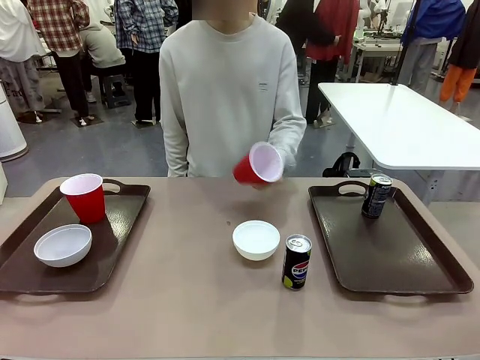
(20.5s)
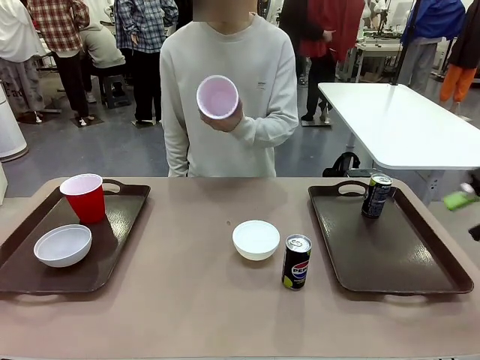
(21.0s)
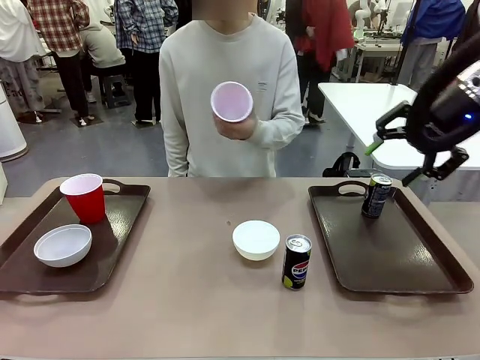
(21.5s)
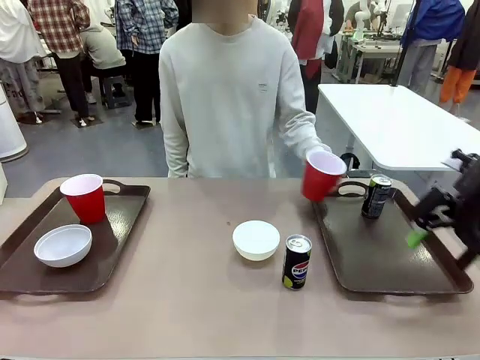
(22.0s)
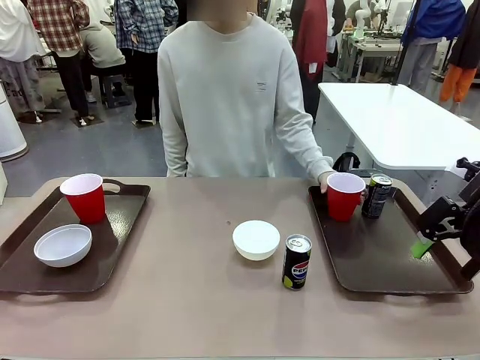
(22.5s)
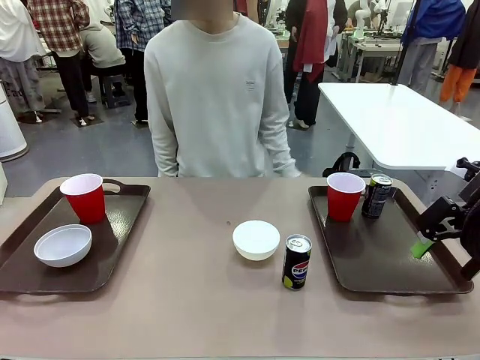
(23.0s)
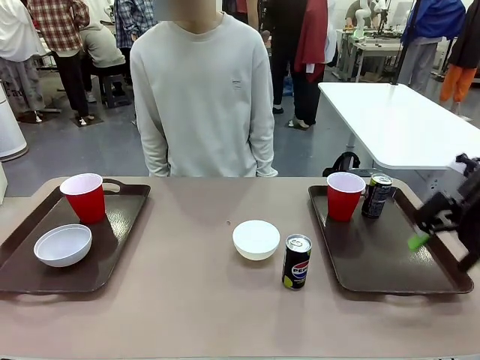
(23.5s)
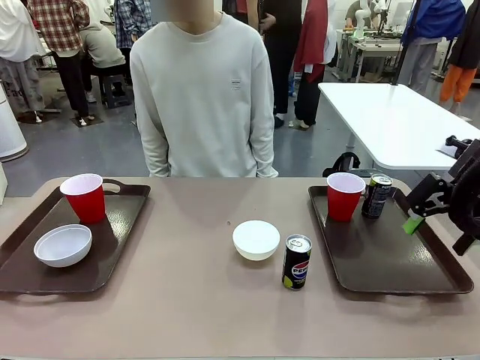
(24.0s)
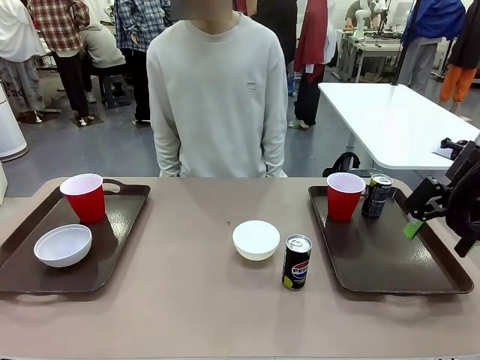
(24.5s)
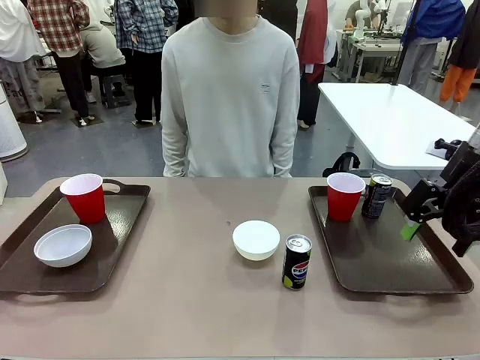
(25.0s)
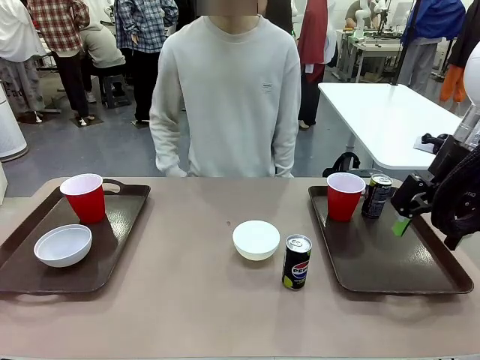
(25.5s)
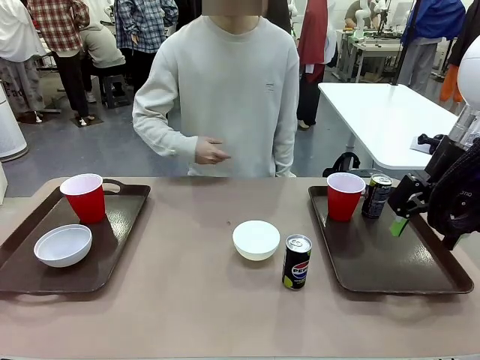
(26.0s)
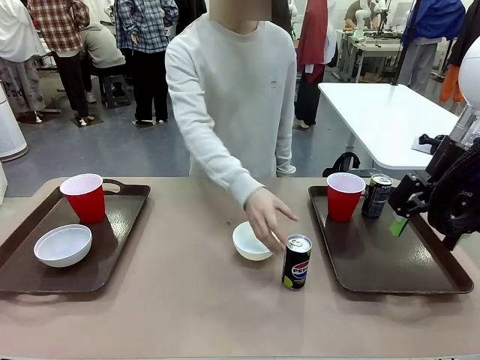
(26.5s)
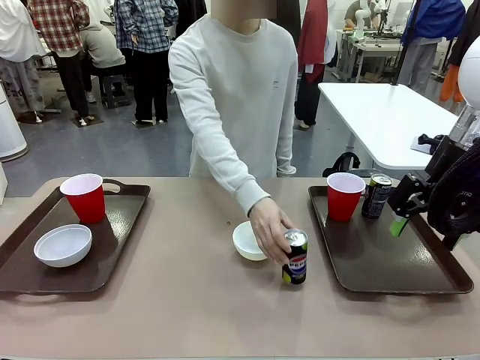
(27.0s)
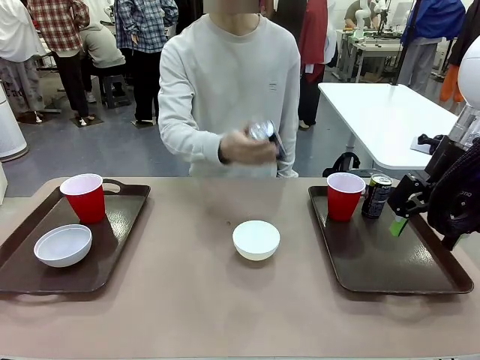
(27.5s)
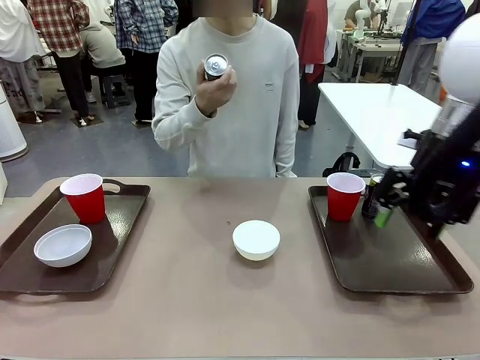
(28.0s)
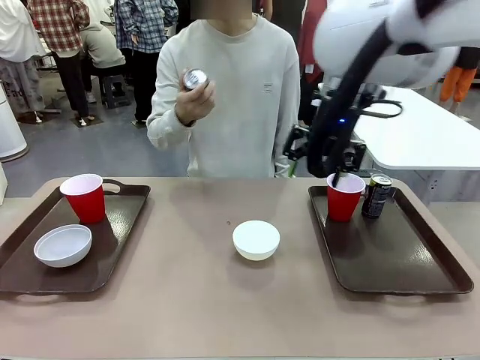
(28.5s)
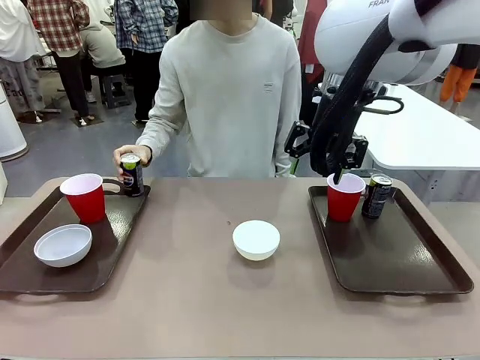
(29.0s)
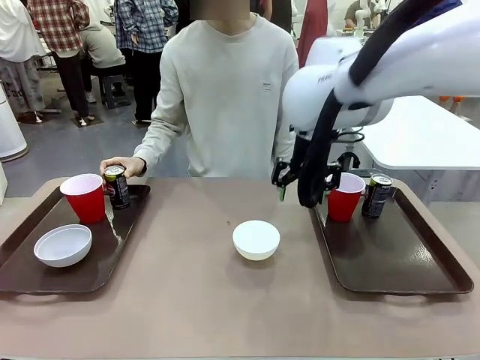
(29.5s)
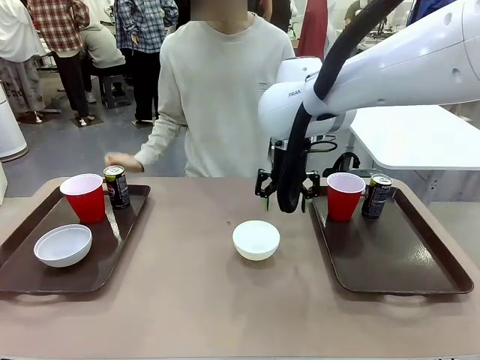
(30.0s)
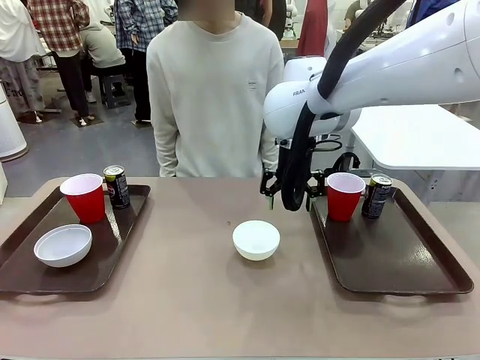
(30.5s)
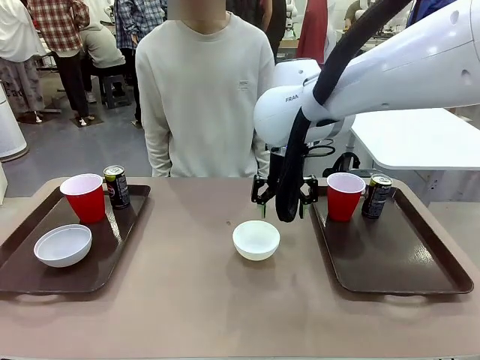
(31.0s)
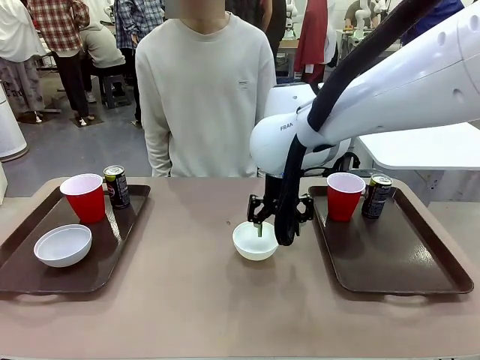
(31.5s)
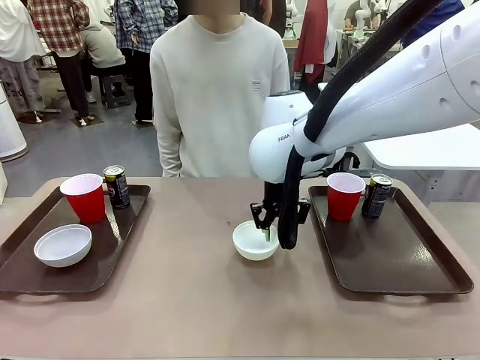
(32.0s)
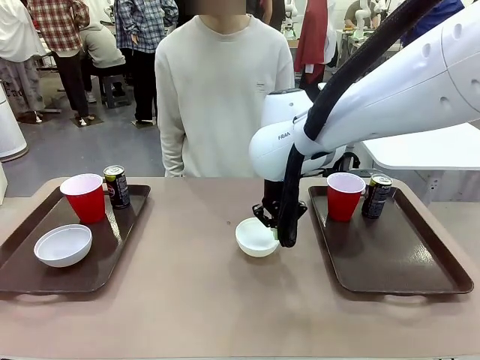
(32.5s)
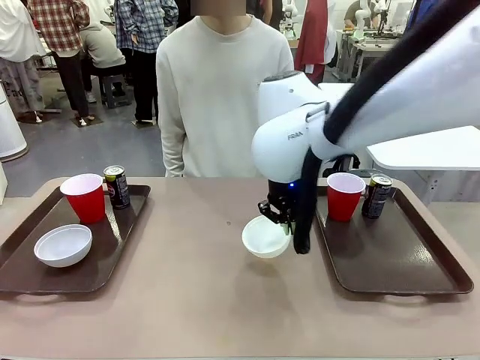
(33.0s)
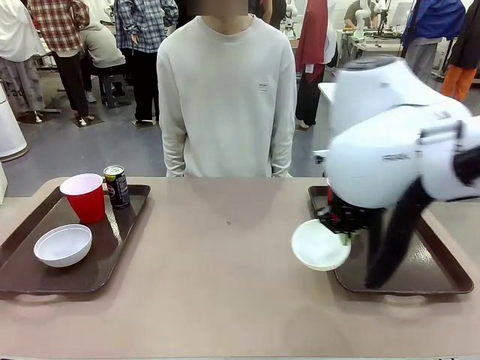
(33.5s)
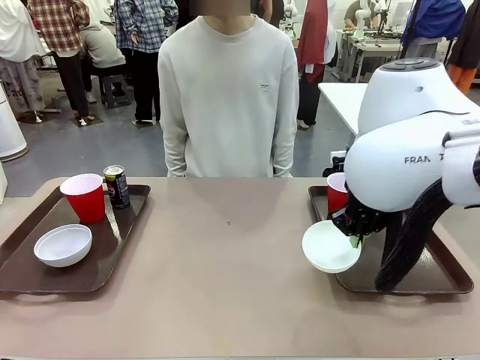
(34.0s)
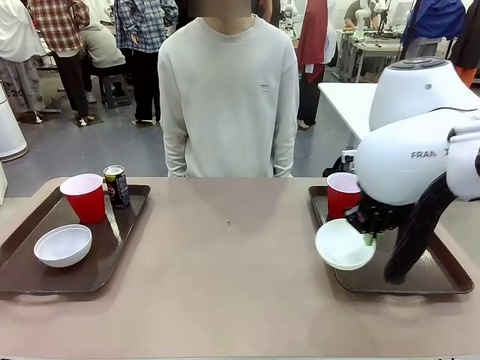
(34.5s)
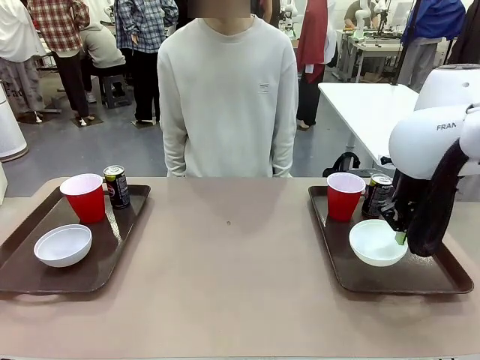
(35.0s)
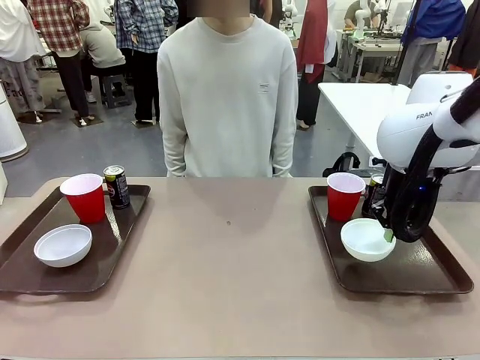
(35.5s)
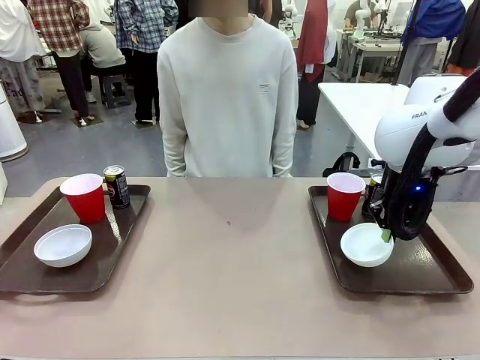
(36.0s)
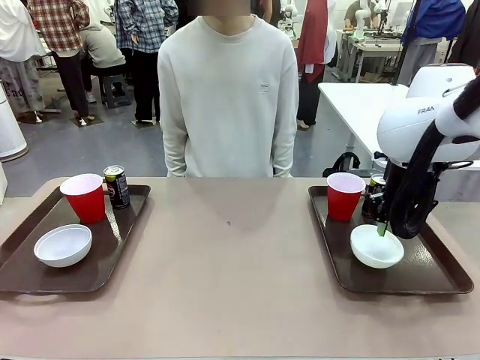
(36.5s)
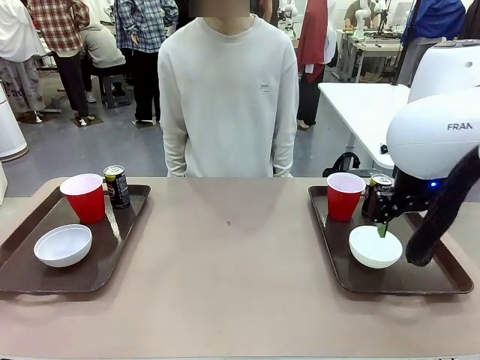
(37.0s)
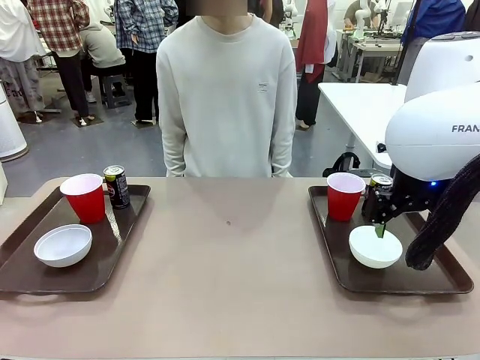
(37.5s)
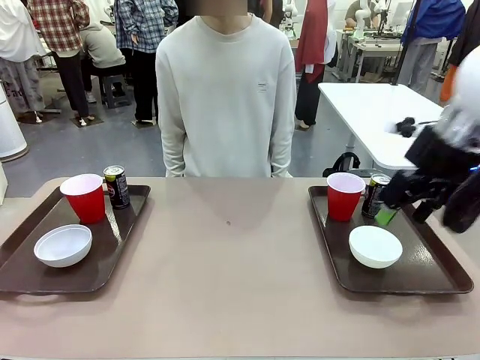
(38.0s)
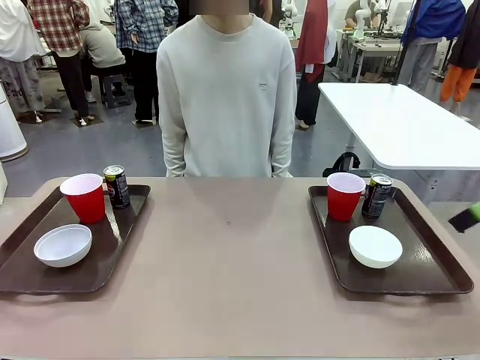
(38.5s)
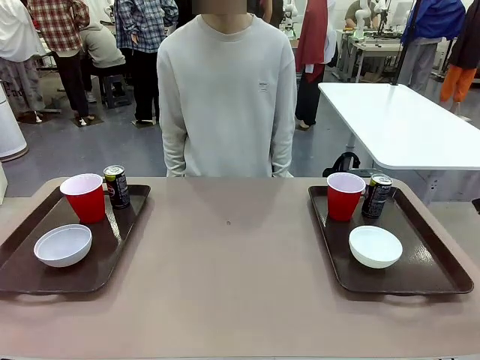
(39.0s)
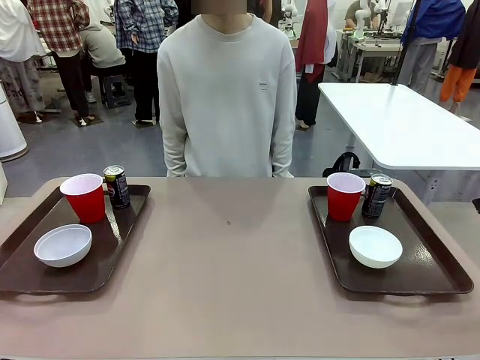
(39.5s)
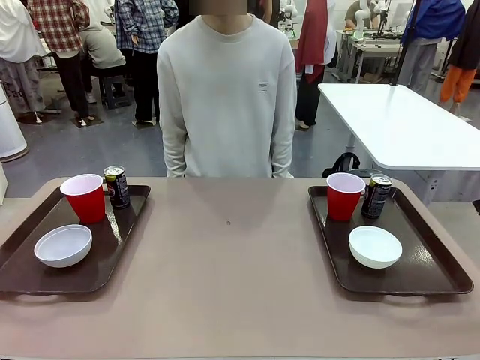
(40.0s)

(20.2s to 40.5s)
Task: Prepare tableware on both trays.
Robot: Pick up a Picnic Bowl from the table and place it on a Handle tray.
Person: Pick up a can or cup and place it on the tray without a can or cup.

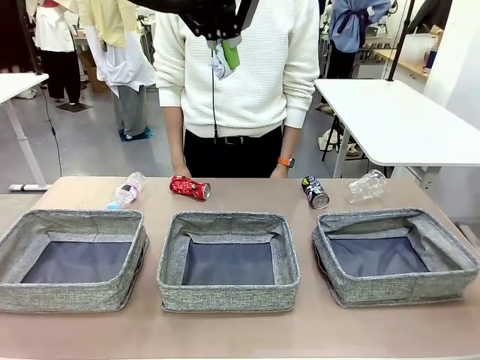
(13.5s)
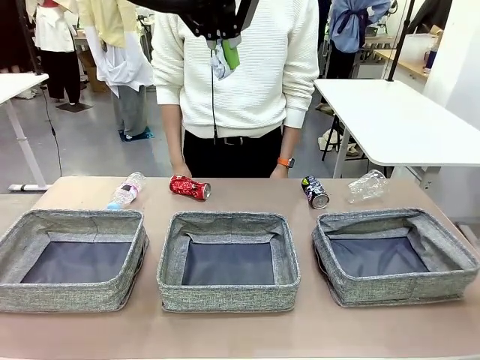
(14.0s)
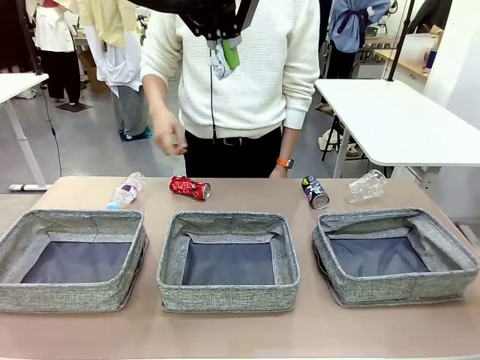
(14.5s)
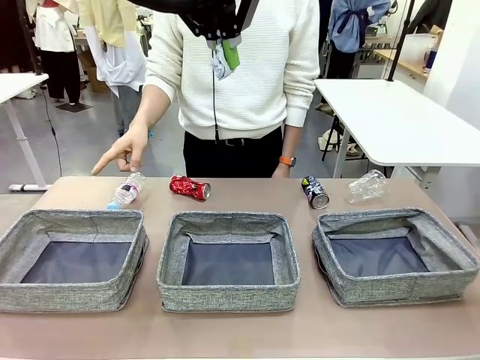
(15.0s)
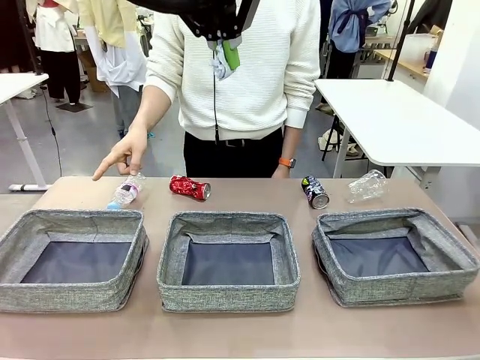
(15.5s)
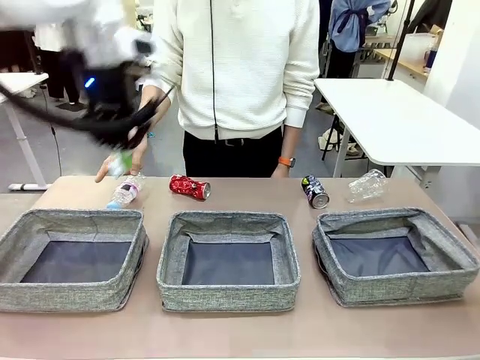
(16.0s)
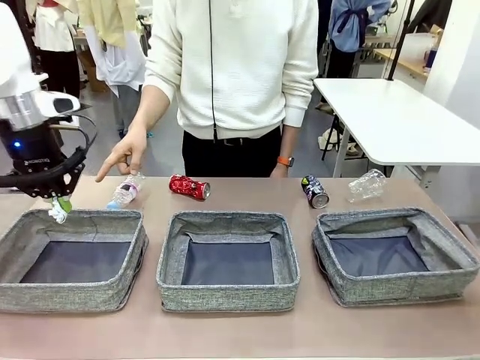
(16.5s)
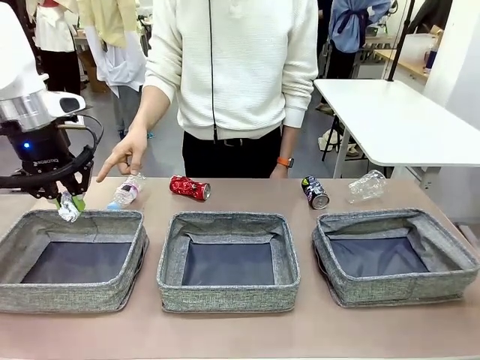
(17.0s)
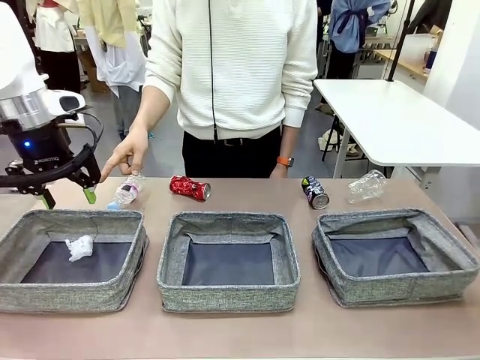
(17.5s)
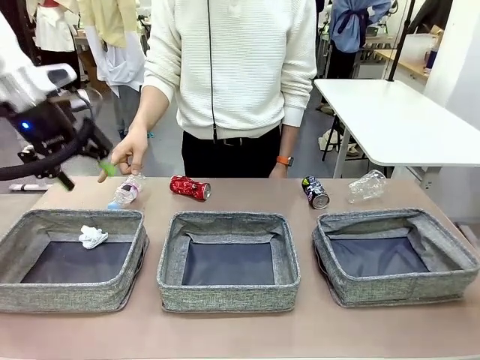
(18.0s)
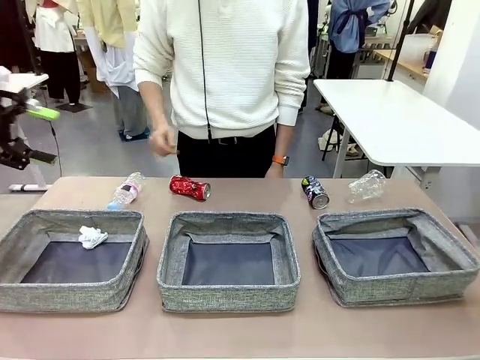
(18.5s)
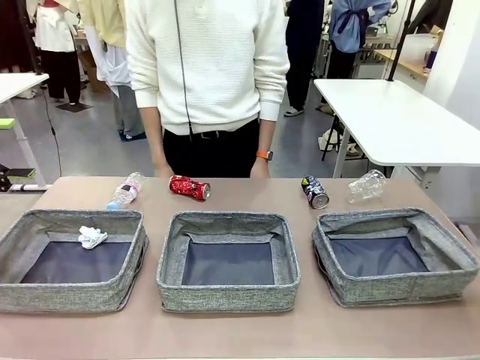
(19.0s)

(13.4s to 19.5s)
Task: Sort the waste into the appropriate baskets.
Robot: Place the picked waste into the Fabric basket indicated by the person.
Person: Instructs the robot to place the picked-up trash into the appropriate organizing basket.
